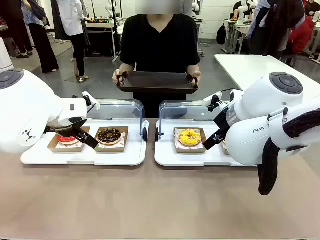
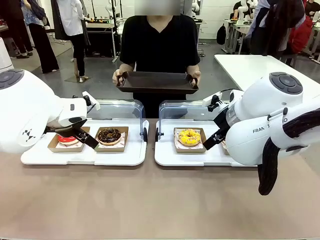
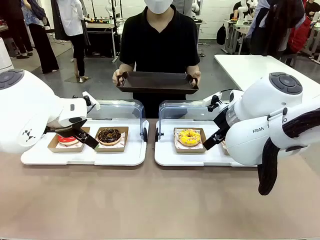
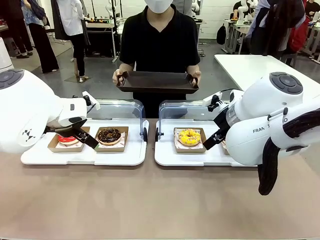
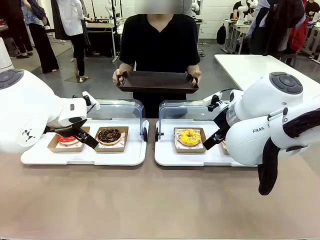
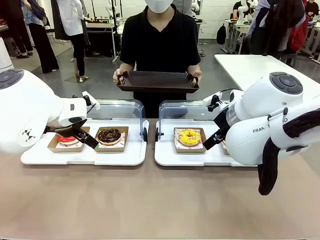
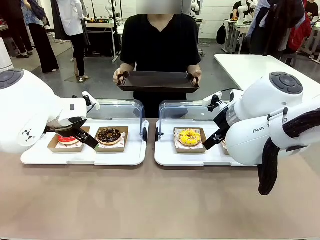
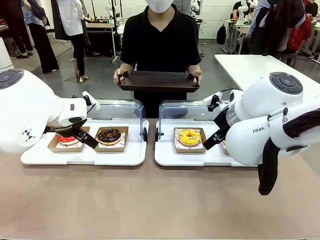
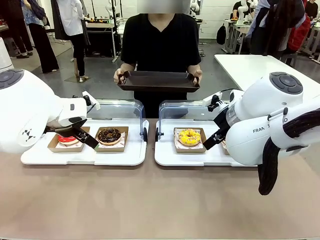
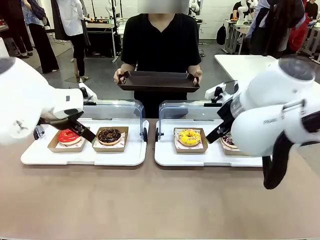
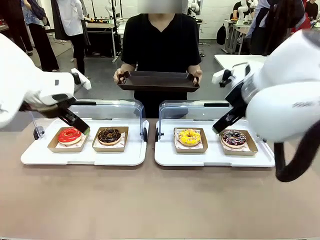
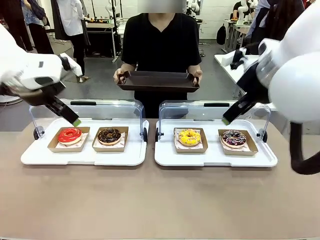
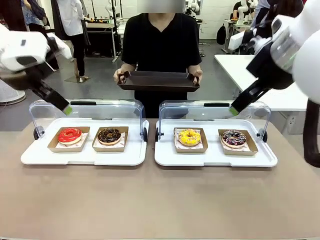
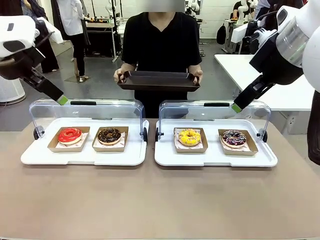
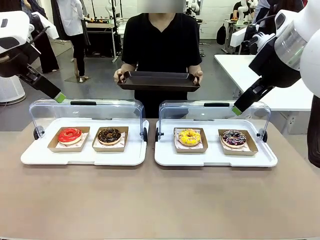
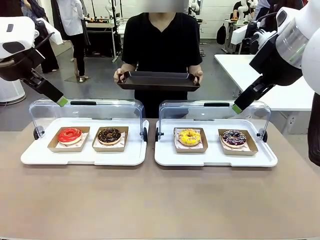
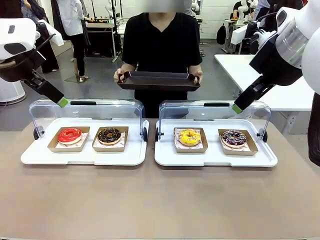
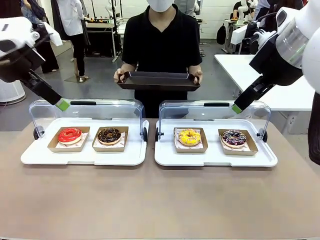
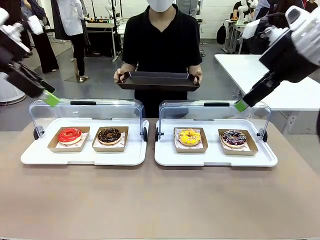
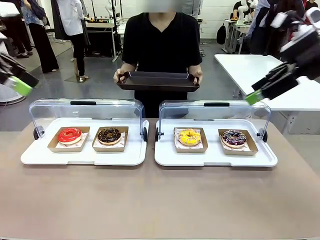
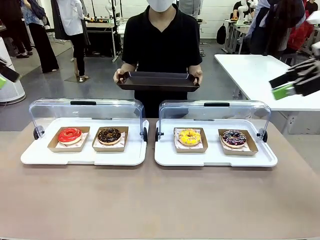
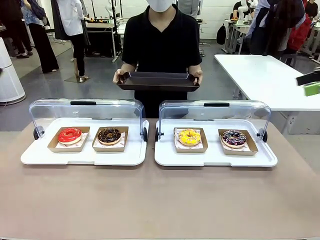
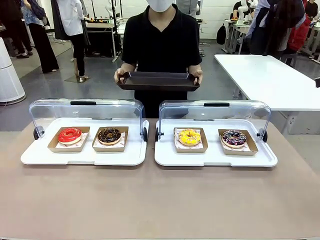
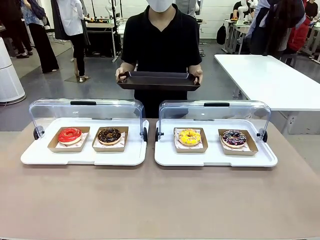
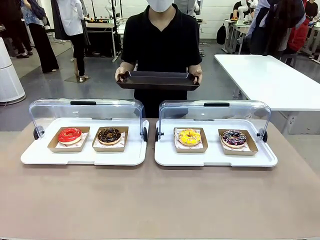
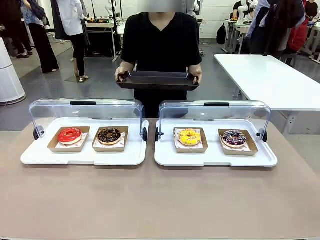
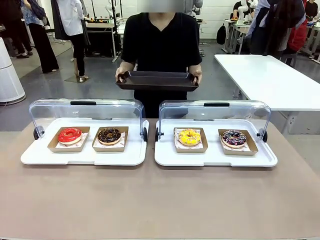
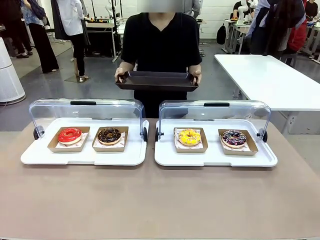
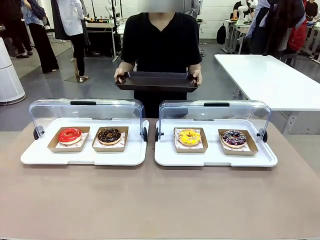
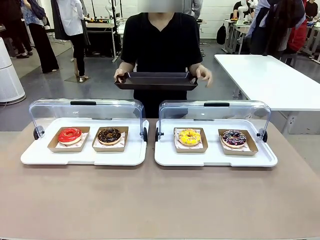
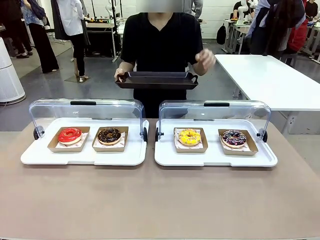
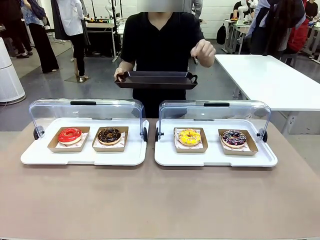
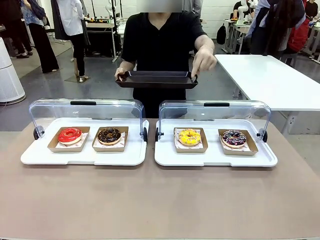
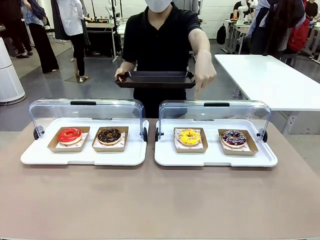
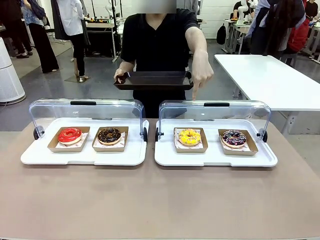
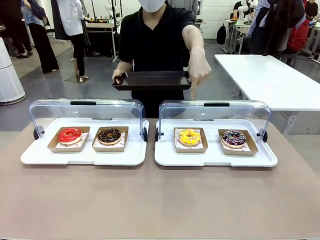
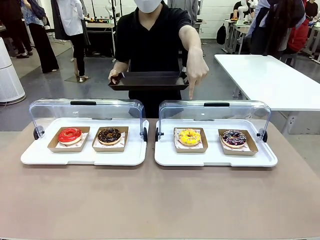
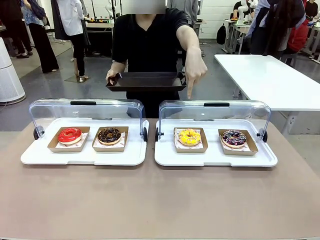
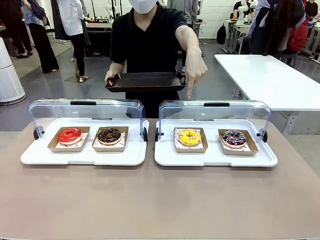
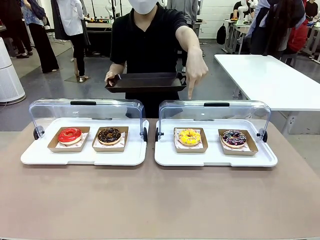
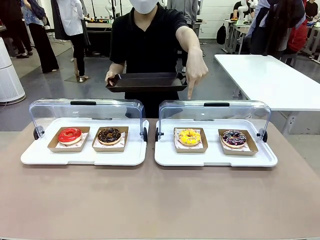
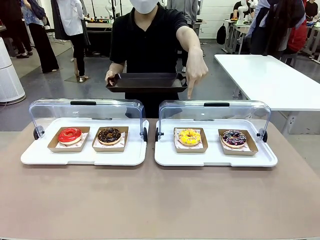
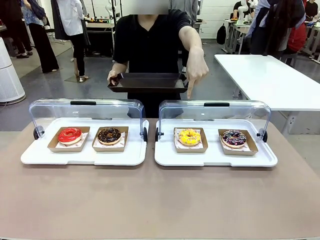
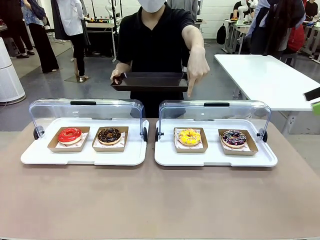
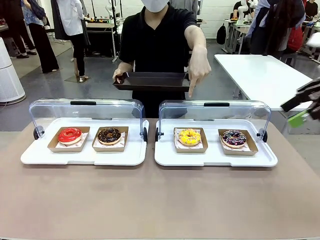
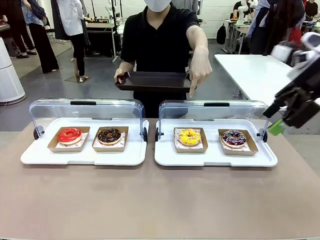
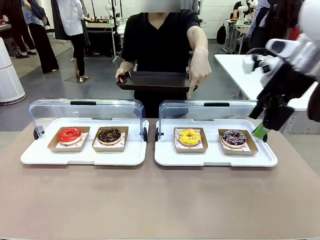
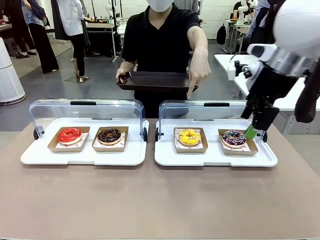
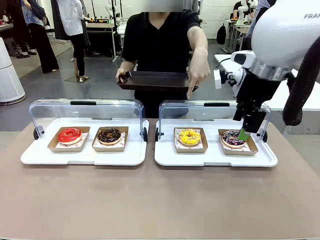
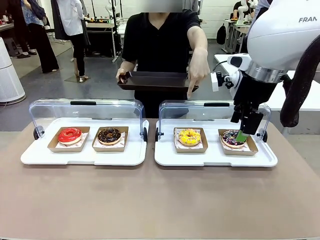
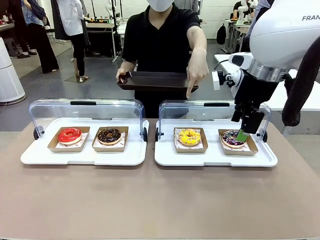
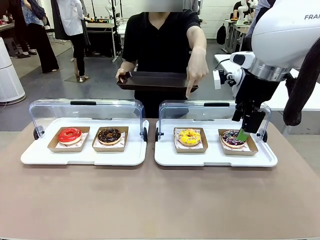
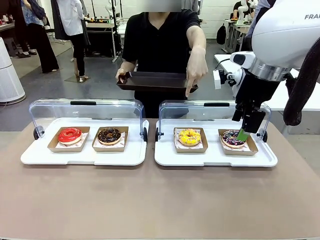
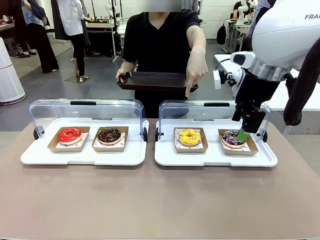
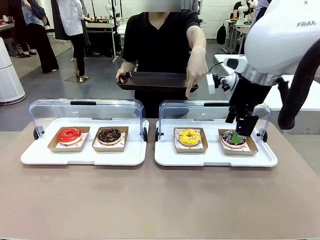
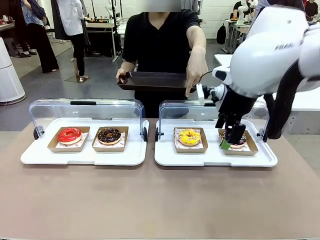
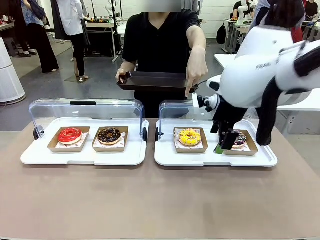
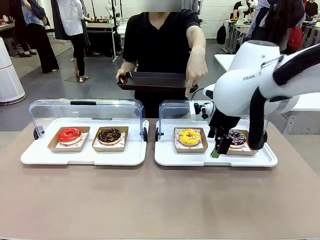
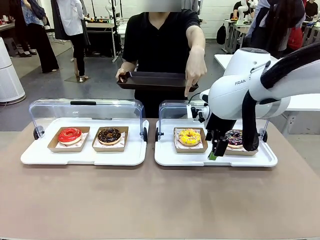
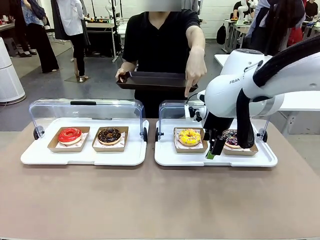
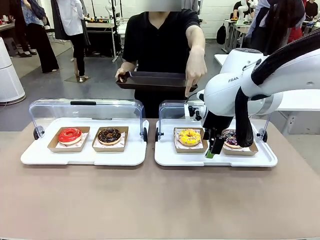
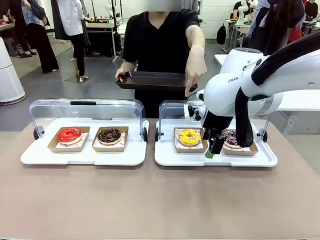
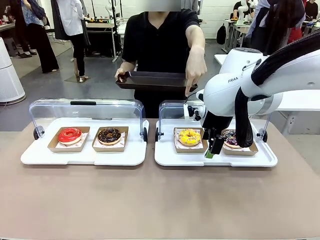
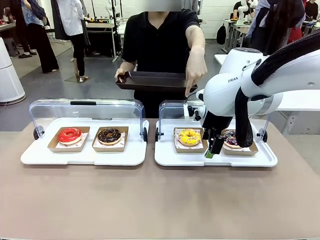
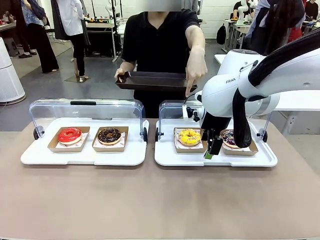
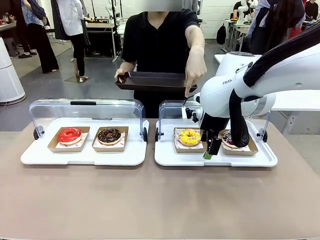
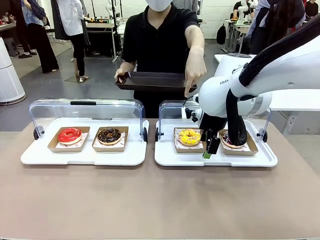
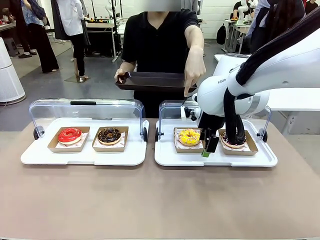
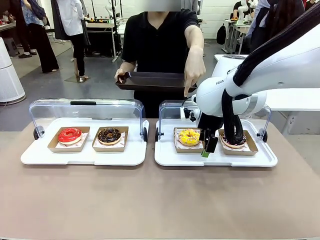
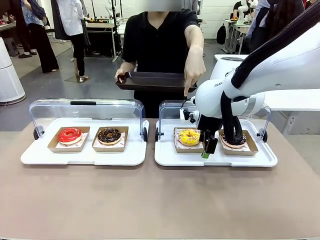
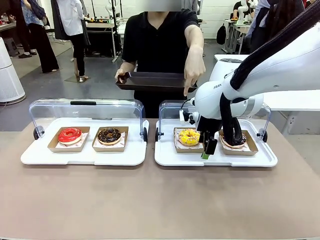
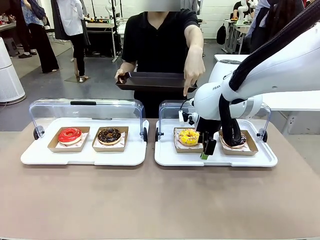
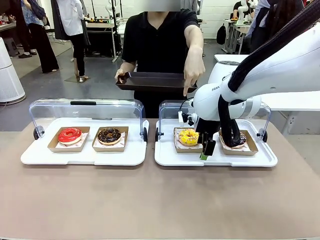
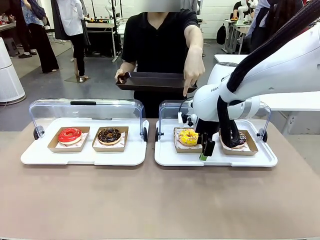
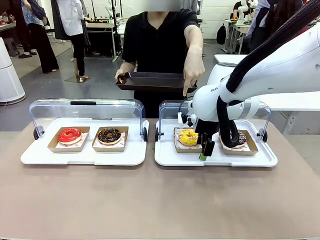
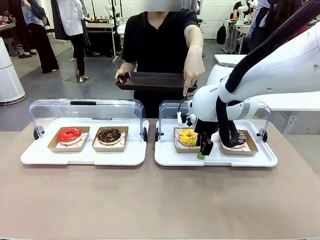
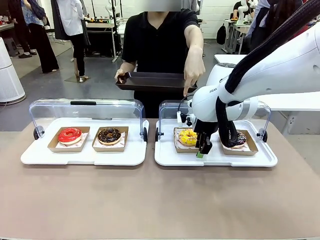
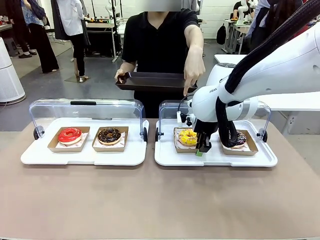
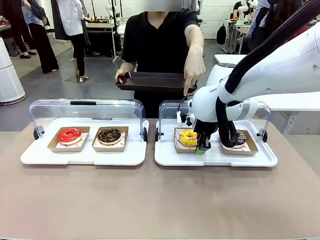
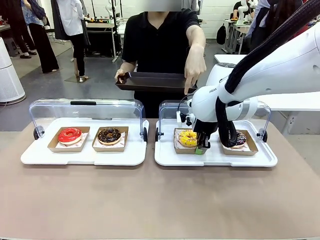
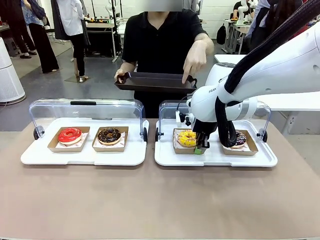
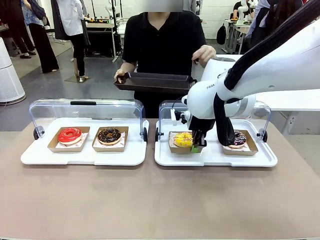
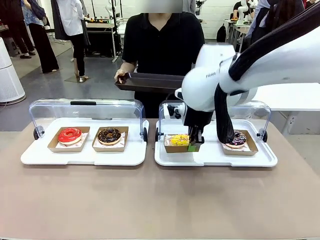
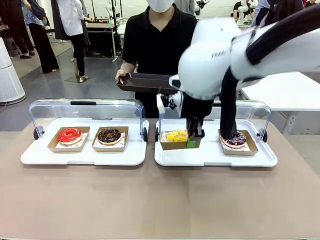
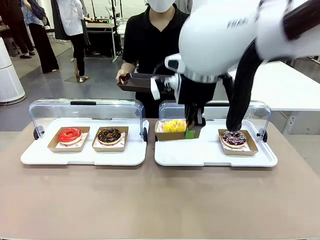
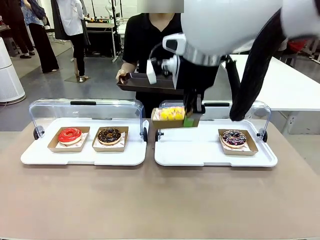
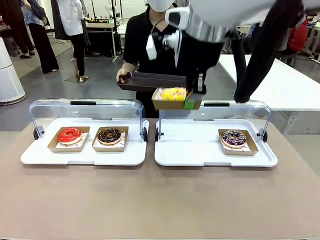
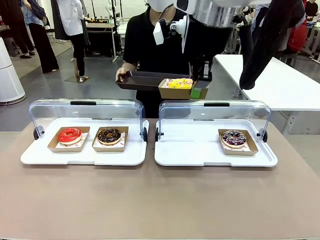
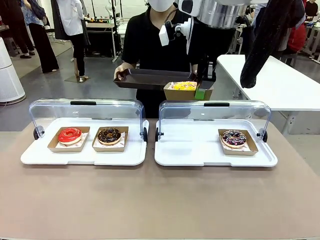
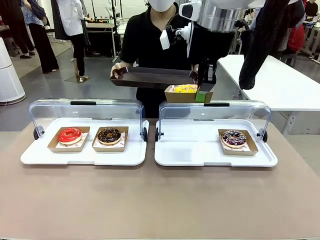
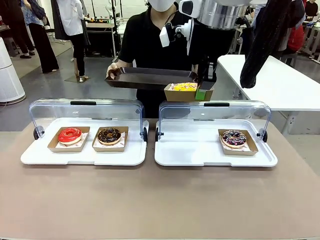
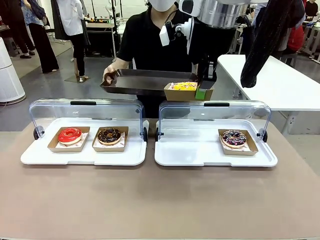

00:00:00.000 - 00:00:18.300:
Task: Provide the desired donut to the person.
Robot: Pick up and lift the Paper togo box containing the Donut pointed at by the person.
Person: Point to one donut. Lift the tray onto the Roll-Top Bakery Case.
